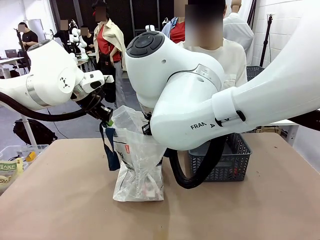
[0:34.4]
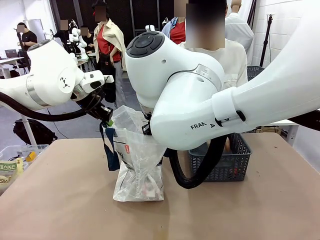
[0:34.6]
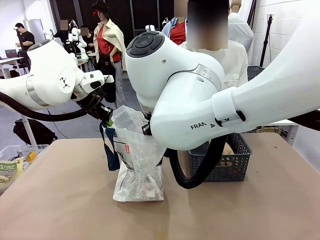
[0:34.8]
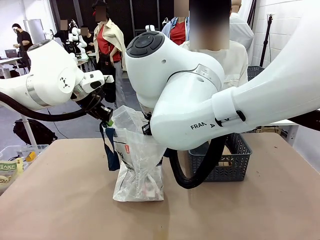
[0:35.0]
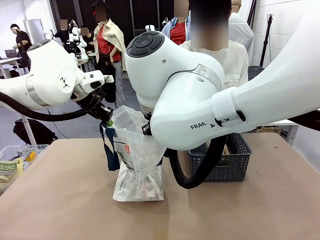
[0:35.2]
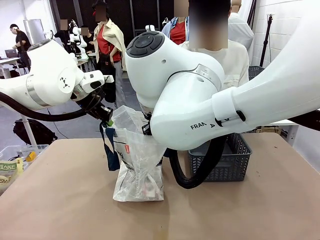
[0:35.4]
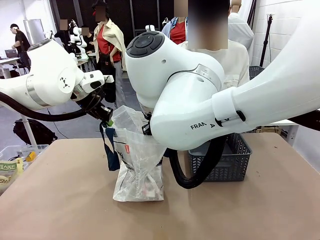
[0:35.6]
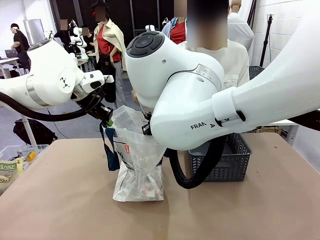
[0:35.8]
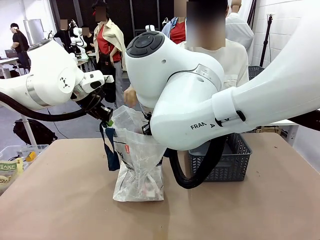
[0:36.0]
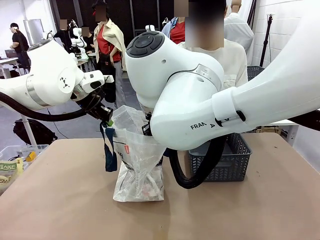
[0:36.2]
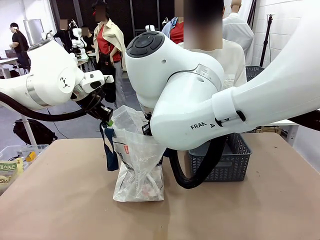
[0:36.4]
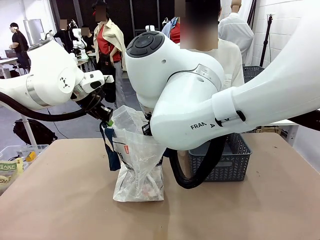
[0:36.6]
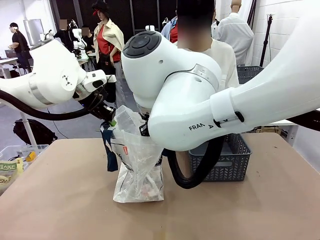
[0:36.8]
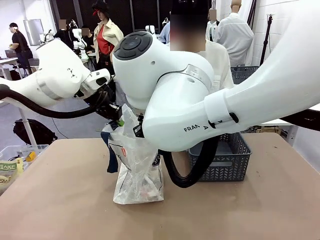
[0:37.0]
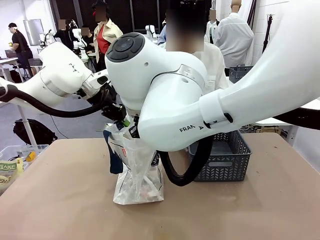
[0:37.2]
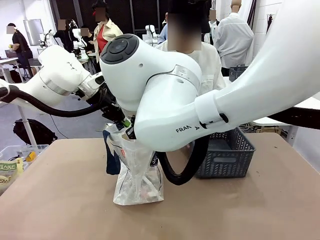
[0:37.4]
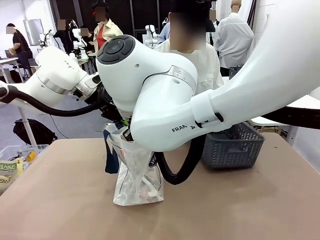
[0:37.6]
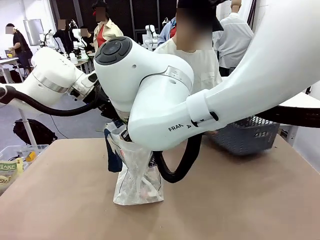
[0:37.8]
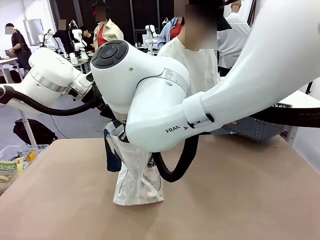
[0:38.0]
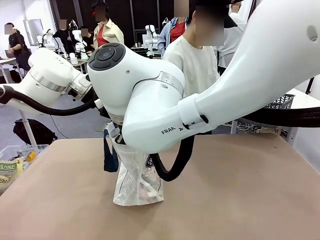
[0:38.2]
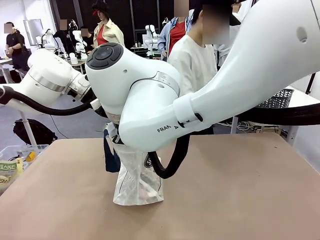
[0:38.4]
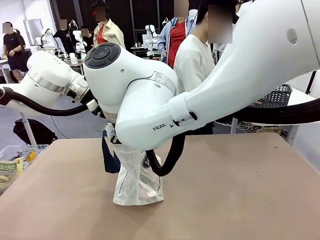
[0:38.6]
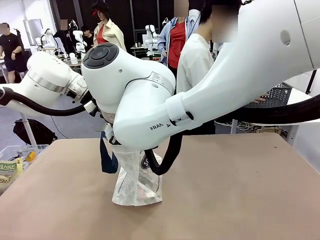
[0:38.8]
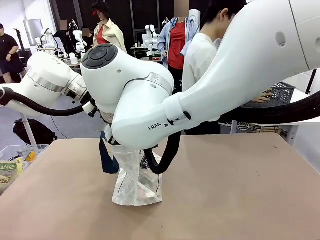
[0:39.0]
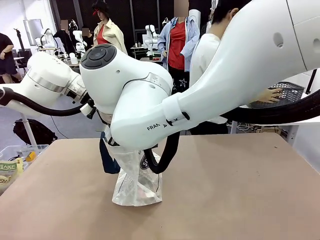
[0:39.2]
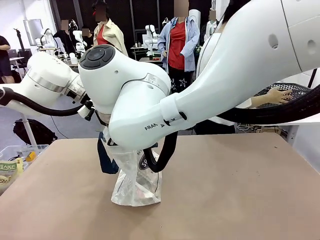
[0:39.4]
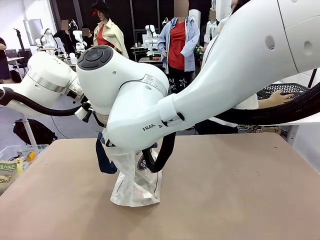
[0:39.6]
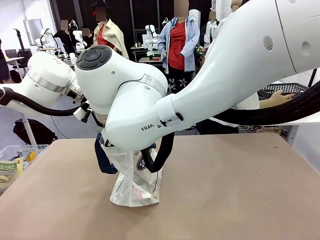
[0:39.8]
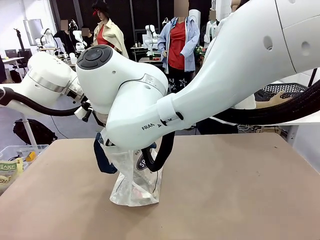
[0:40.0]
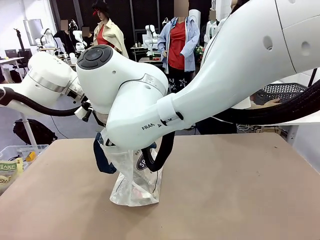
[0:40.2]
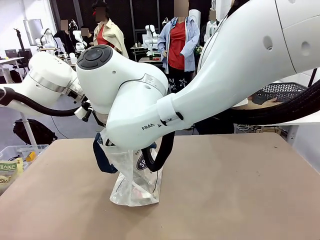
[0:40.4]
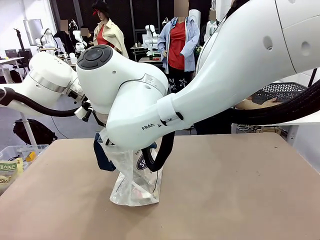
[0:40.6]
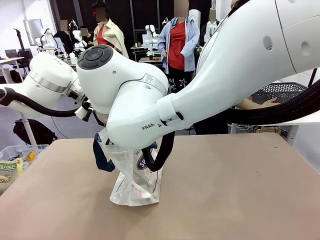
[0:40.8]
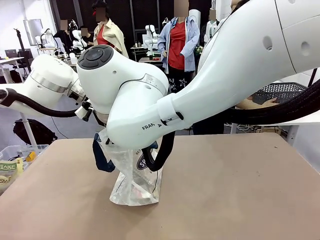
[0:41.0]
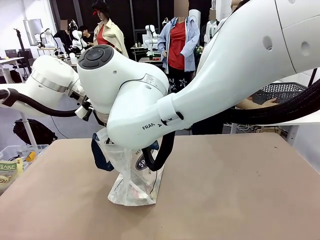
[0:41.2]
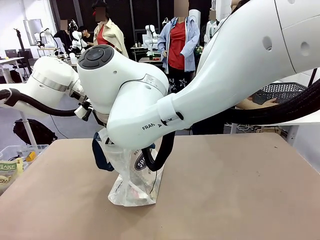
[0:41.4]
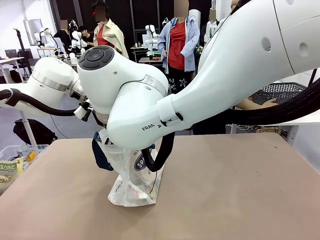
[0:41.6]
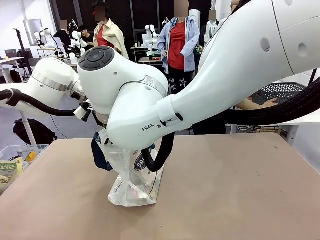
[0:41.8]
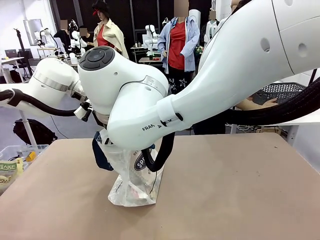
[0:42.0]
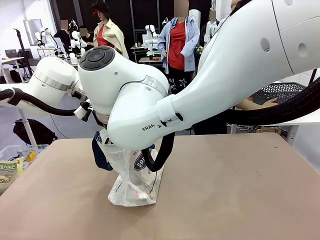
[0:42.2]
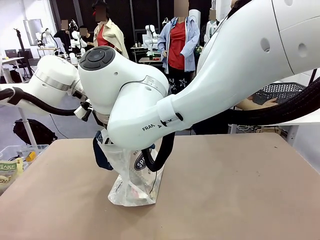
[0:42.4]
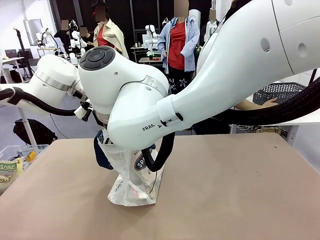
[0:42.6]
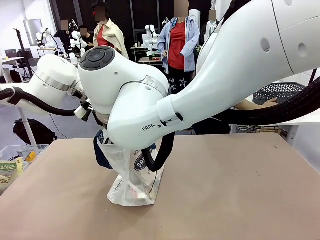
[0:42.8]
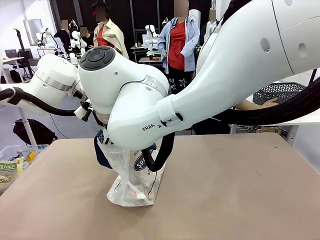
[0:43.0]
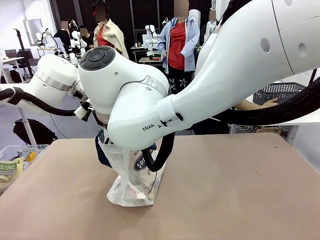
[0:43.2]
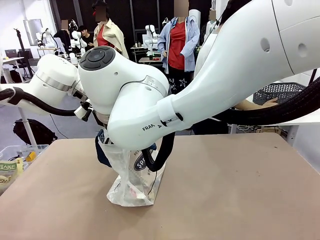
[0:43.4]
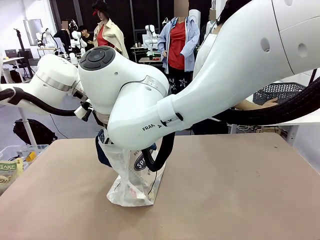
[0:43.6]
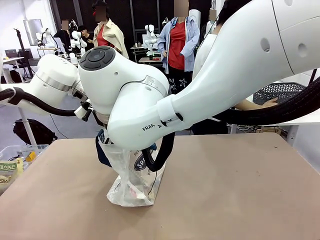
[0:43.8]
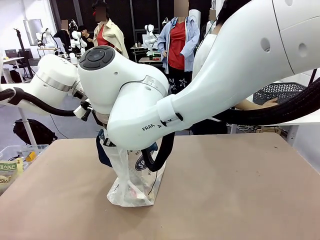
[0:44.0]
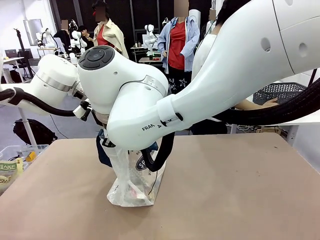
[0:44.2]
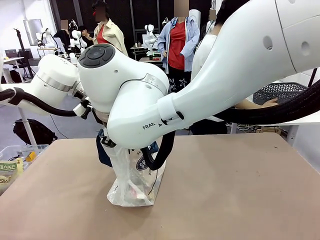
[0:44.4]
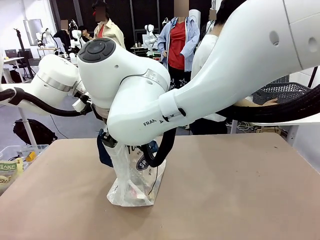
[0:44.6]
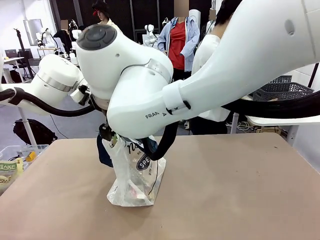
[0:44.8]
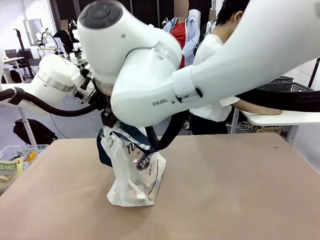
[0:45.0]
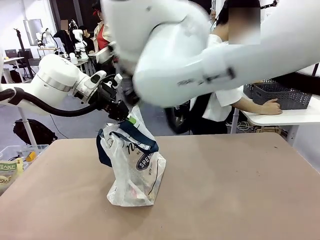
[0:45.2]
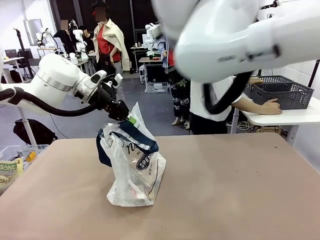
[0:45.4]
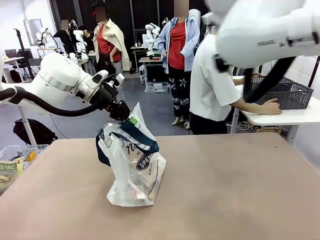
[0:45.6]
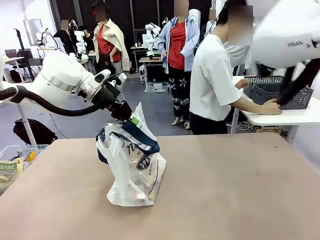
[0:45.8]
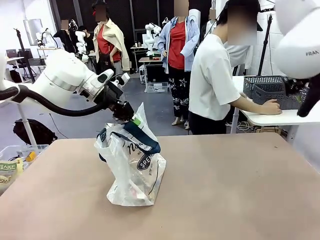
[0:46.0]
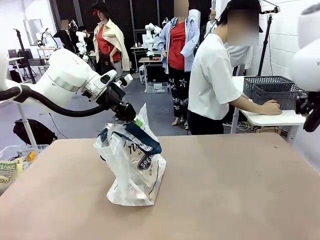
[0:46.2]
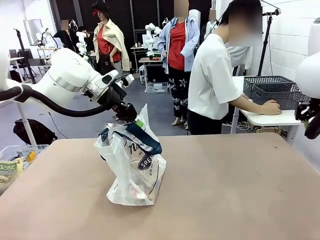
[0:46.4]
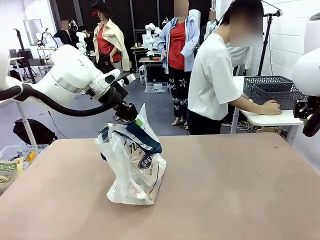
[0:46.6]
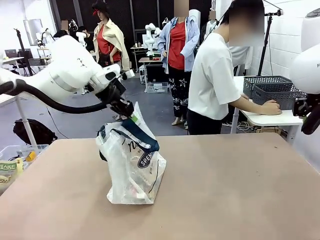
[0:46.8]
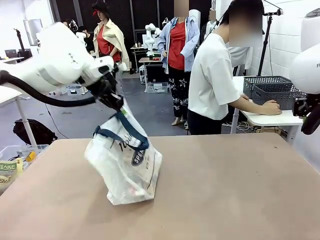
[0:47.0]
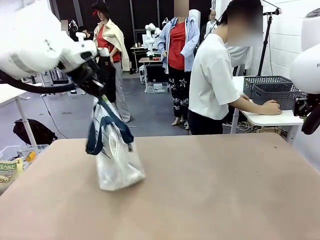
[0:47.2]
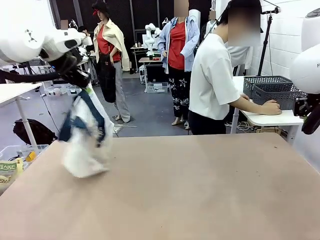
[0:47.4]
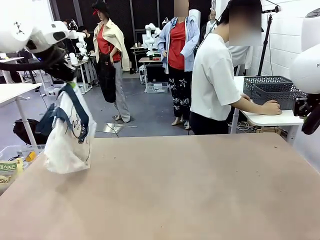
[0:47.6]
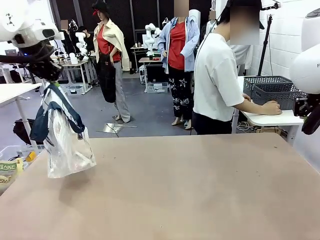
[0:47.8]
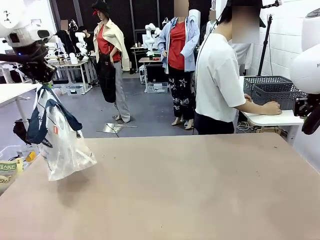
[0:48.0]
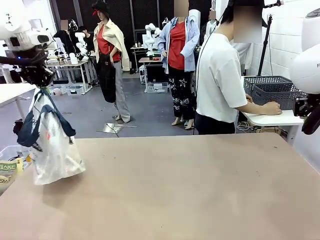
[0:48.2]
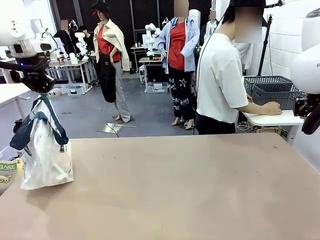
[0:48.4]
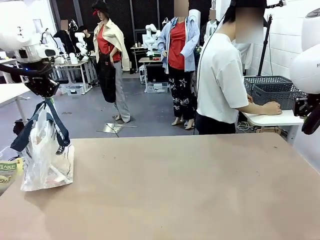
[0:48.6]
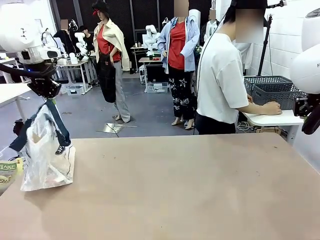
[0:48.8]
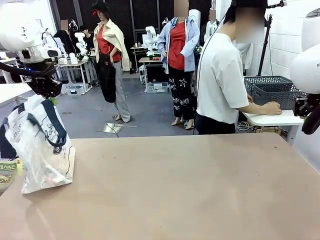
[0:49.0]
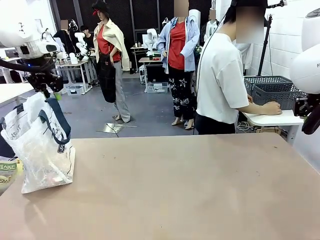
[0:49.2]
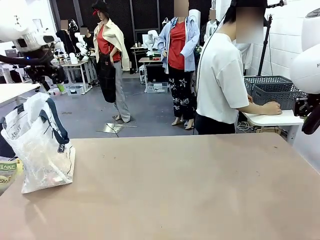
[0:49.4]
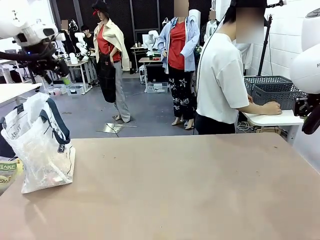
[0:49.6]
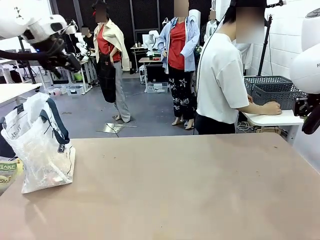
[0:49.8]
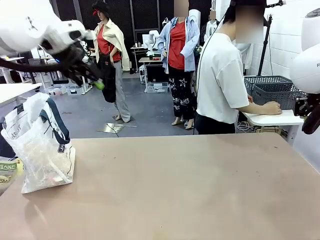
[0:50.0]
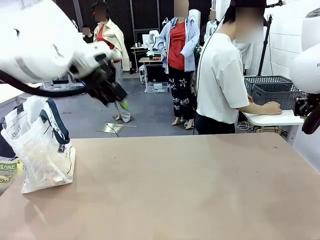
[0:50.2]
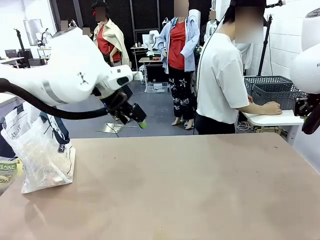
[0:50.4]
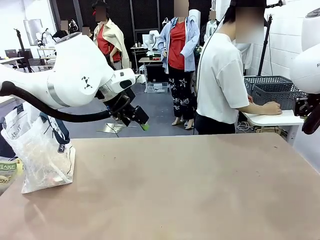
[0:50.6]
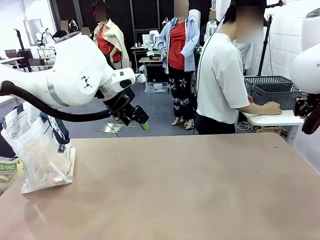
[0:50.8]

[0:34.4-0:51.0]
Task: Transfer purchased items from the store into the shopping bag.
Robot: Move the Reusable shopping bag to the right side of the table.
Person: Move the basket on the left to the middle of the person's table.
